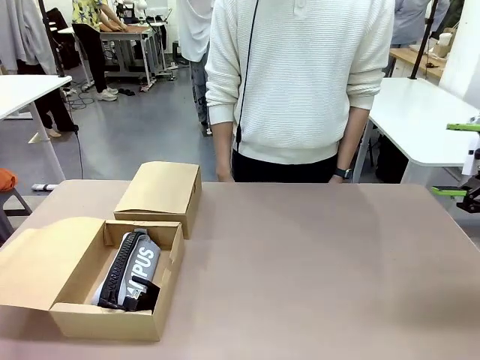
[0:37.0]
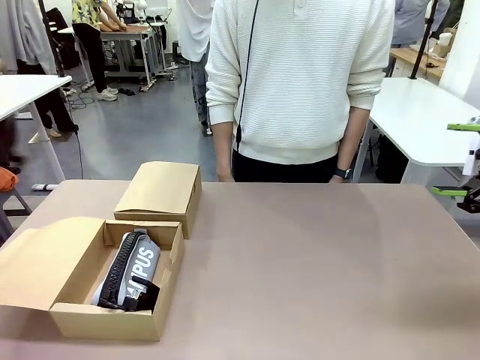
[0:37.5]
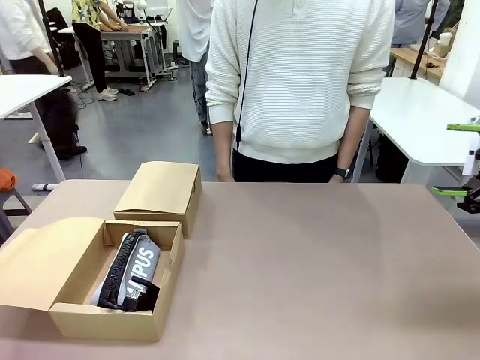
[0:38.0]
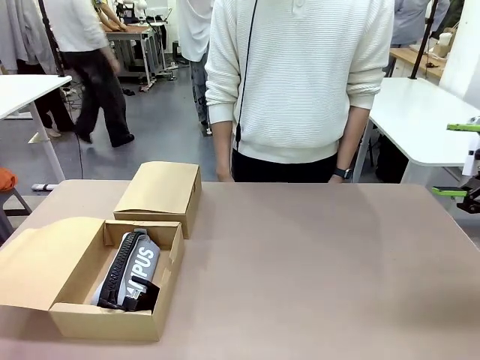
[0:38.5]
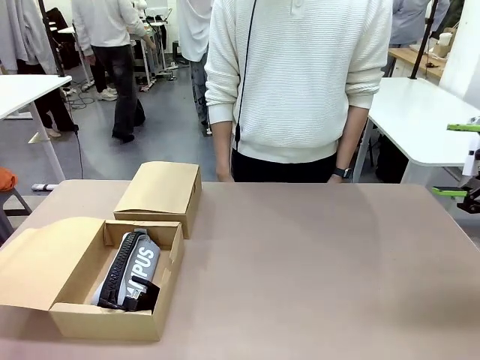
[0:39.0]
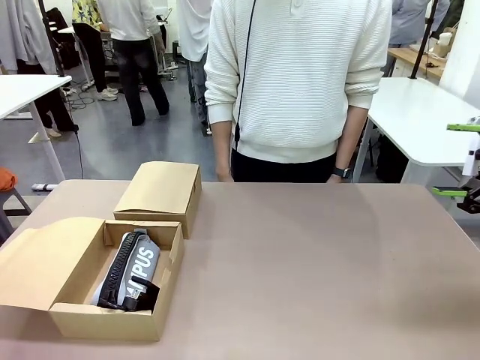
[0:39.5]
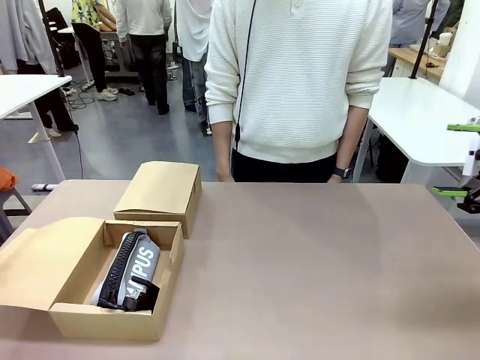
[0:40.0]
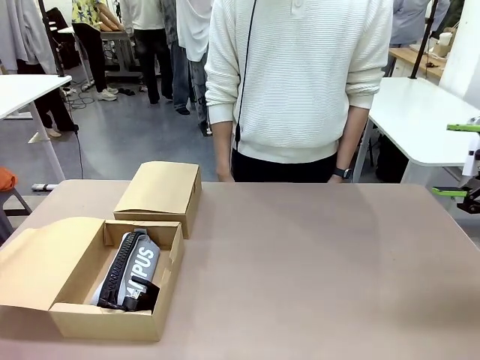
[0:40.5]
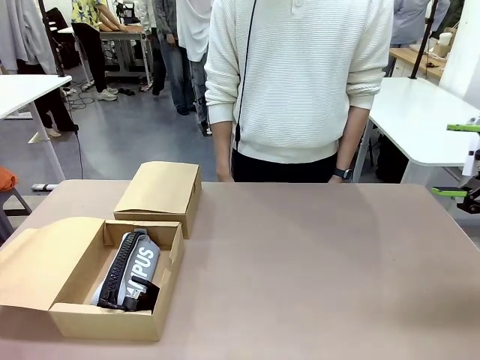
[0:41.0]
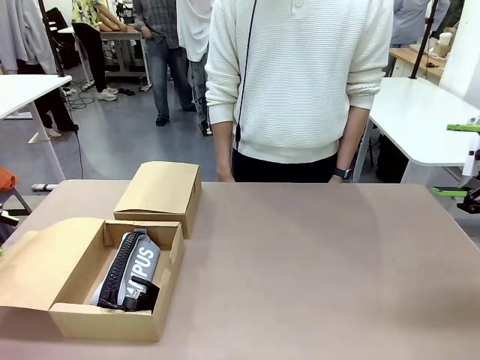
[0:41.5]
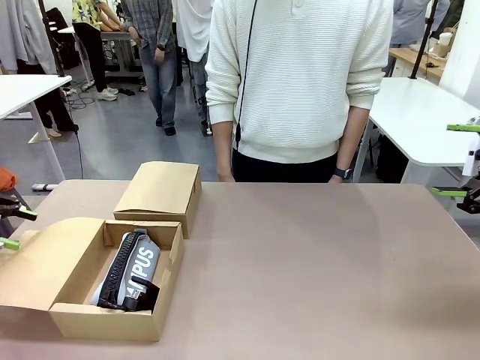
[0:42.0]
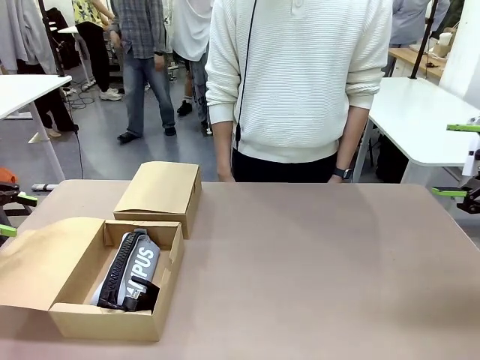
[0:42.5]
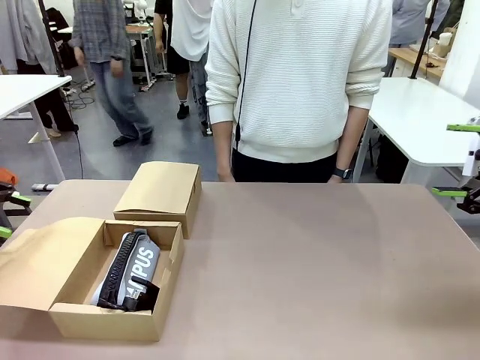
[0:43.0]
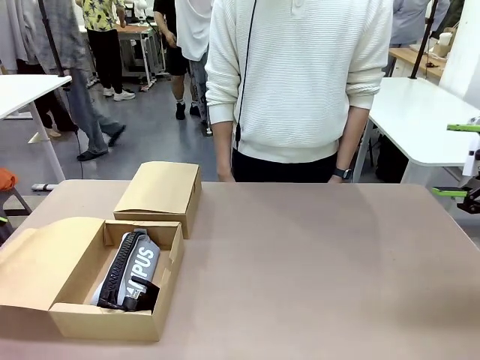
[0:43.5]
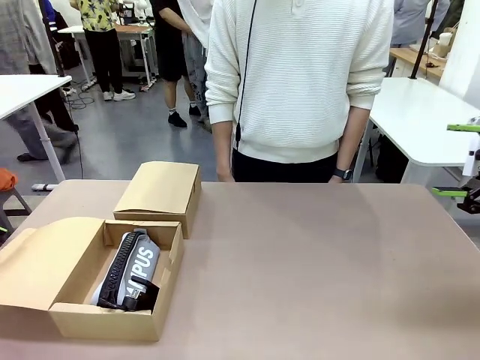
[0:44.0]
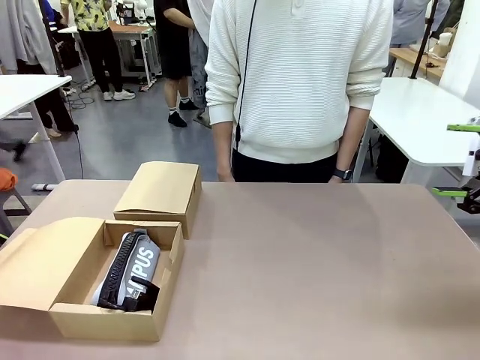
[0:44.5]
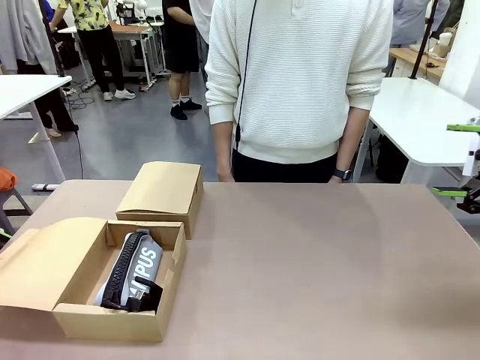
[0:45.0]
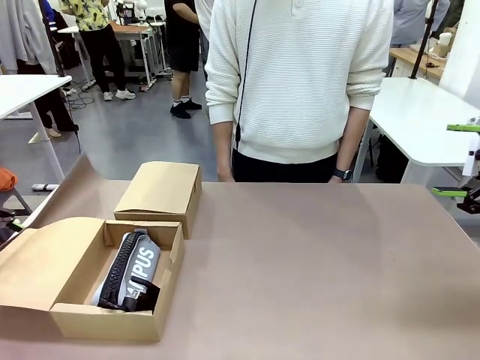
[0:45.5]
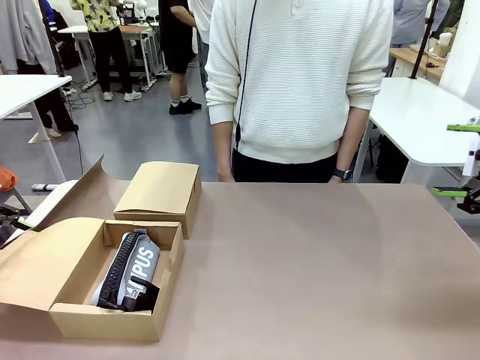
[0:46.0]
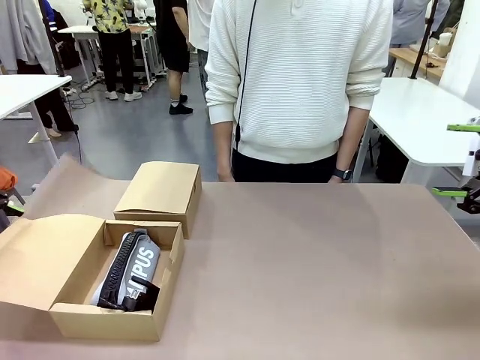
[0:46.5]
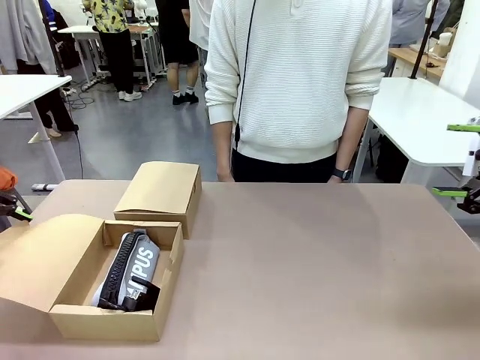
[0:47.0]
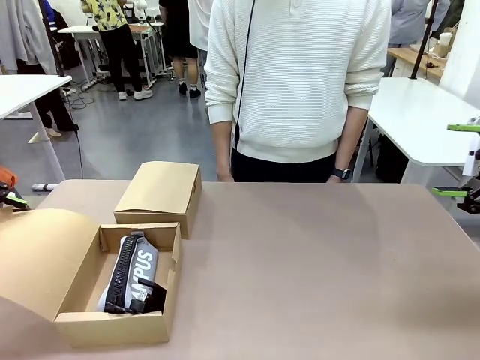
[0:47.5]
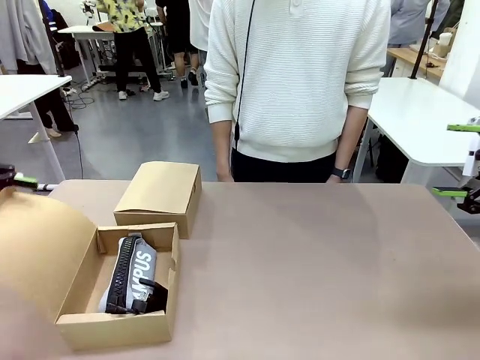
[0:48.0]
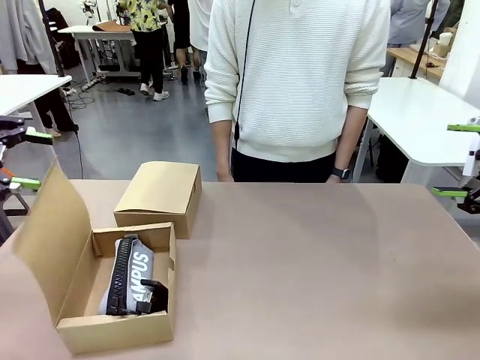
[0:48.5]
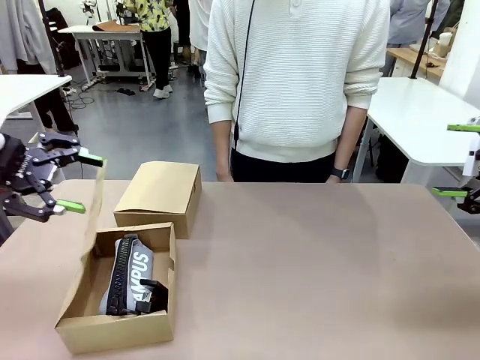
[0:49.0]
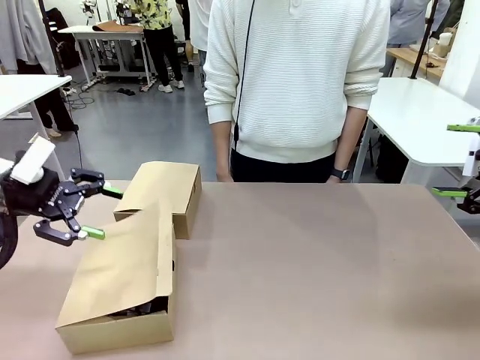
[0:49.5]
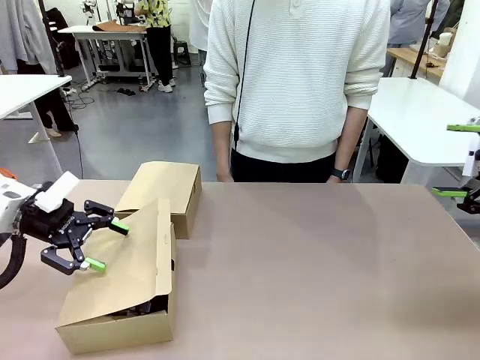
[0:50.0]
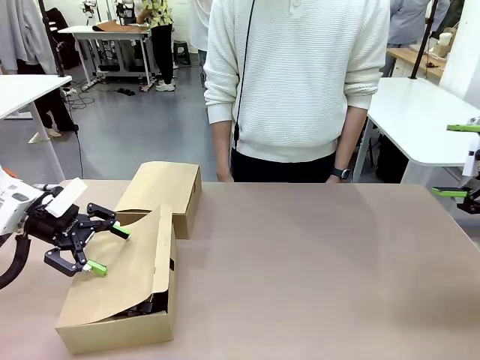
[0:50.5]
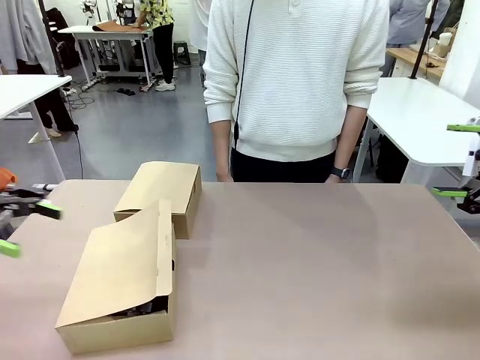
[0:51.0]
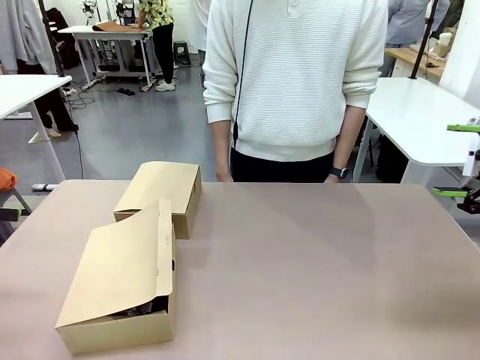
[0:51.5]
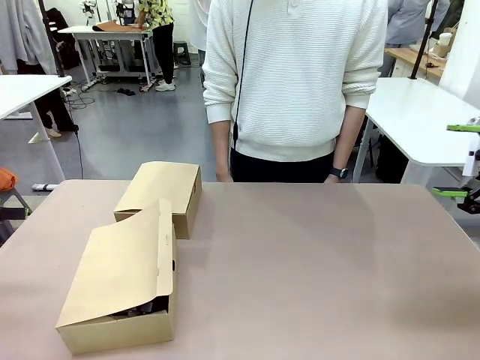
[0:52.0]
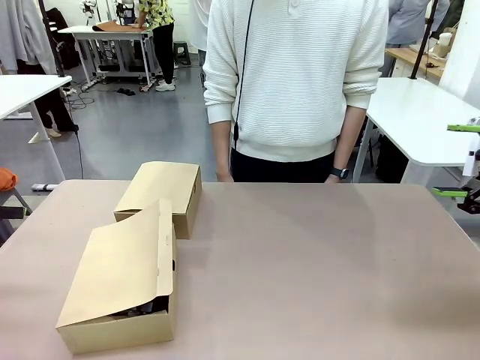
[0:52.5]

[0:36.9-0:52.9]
Task: Place items inside the box.
Robot: Close the lid of the Mailer Box closest to the robot.
Person: Close the lid of the box facing the person.

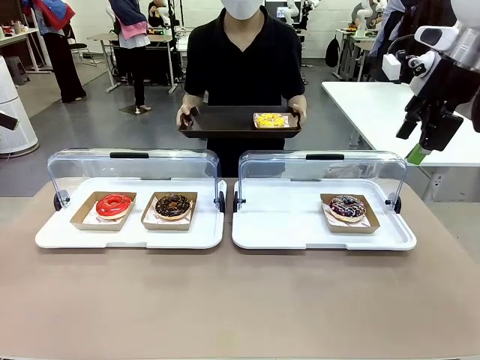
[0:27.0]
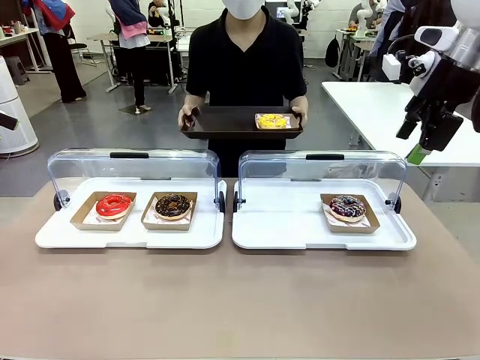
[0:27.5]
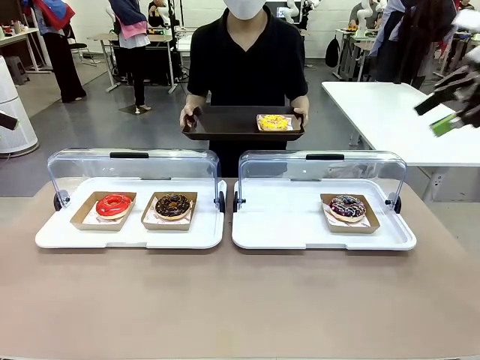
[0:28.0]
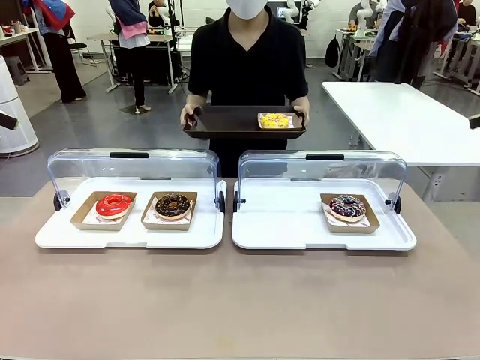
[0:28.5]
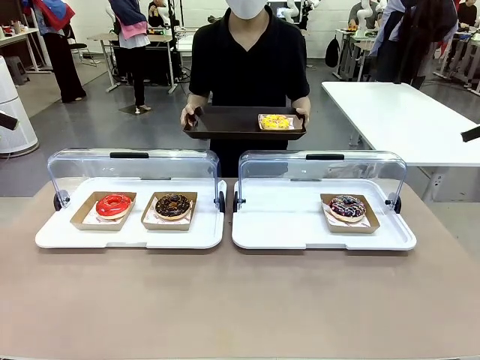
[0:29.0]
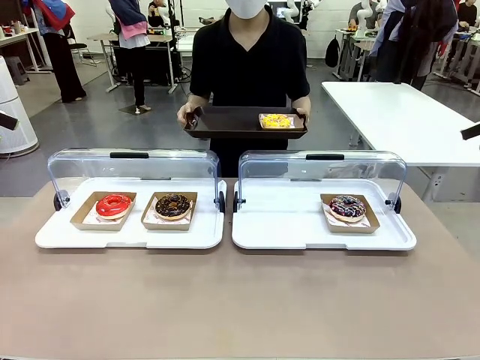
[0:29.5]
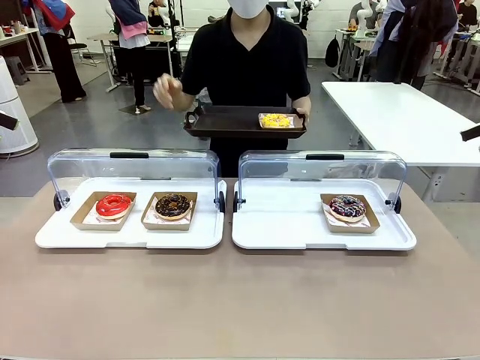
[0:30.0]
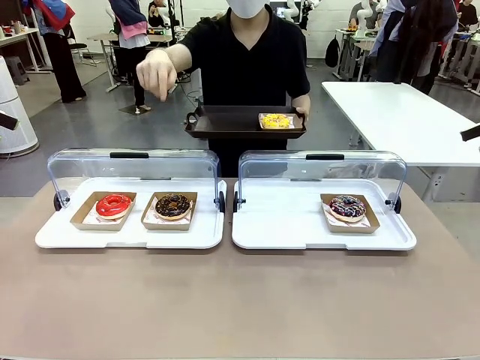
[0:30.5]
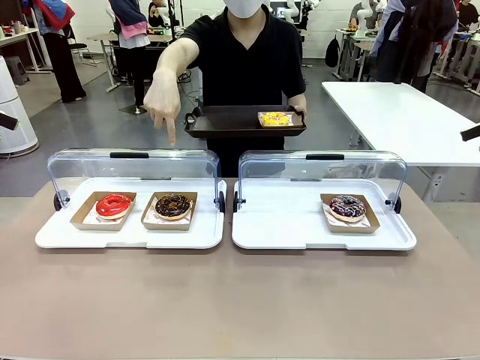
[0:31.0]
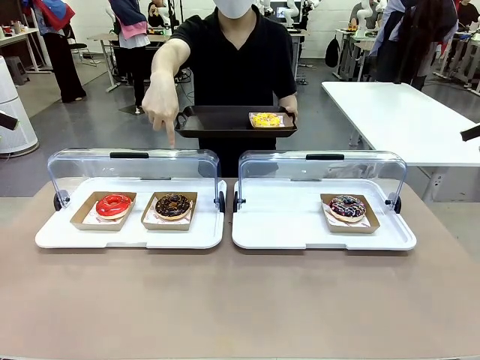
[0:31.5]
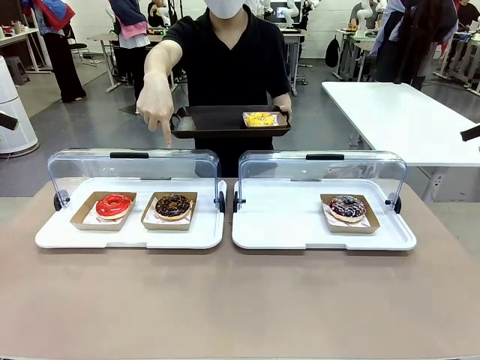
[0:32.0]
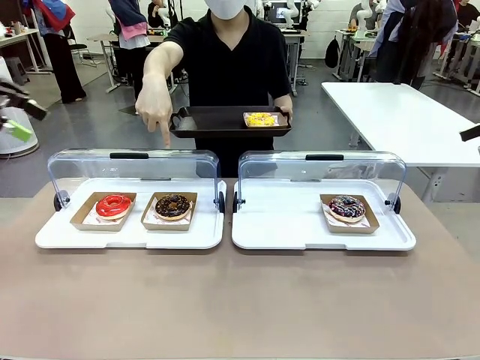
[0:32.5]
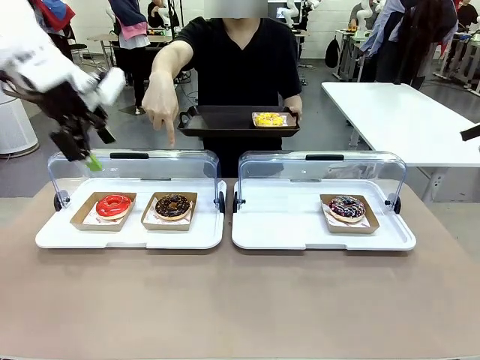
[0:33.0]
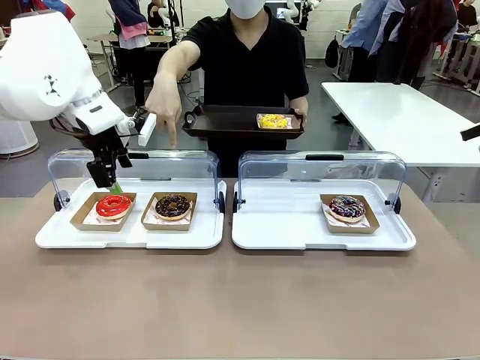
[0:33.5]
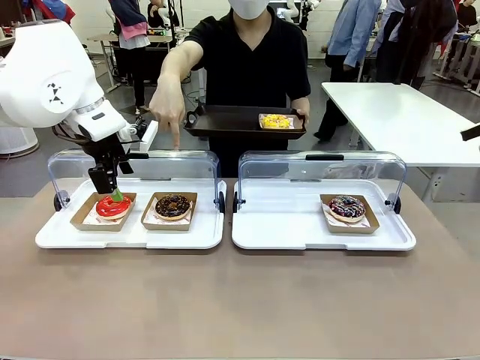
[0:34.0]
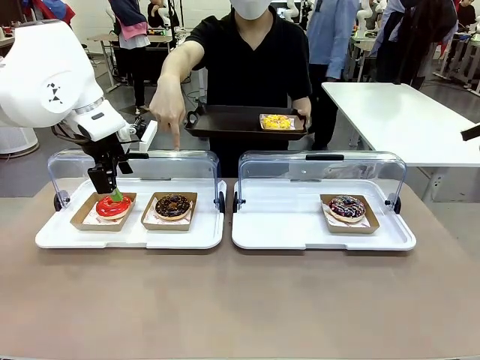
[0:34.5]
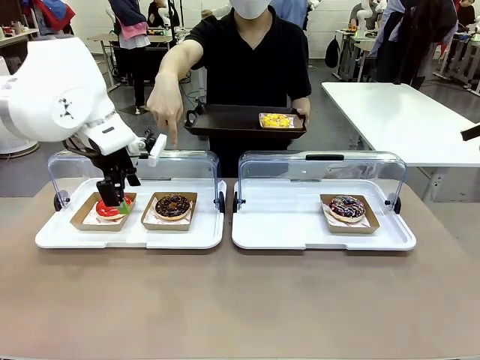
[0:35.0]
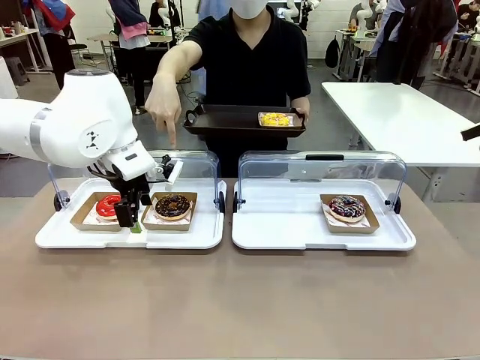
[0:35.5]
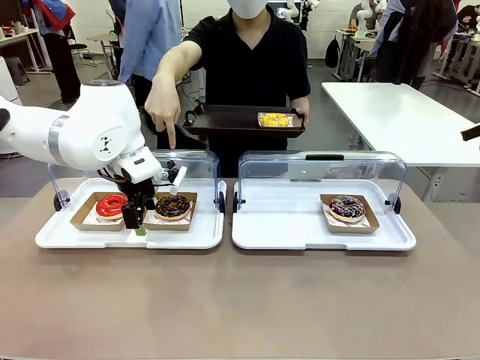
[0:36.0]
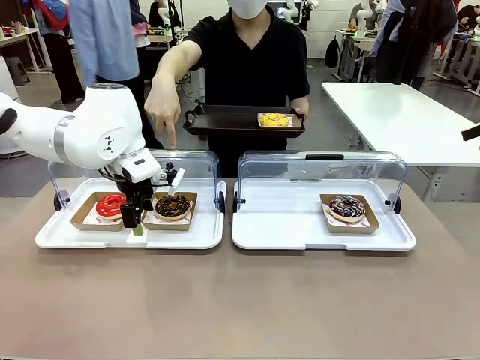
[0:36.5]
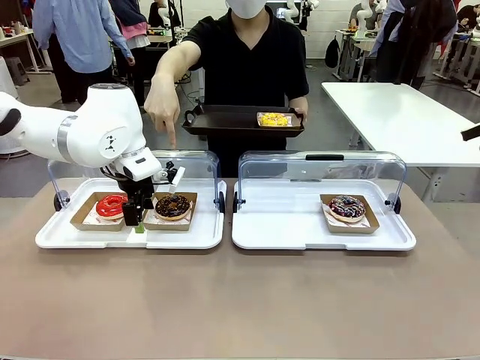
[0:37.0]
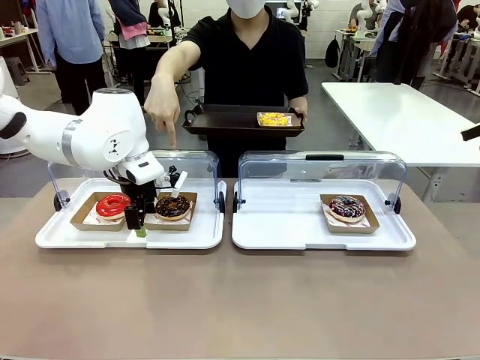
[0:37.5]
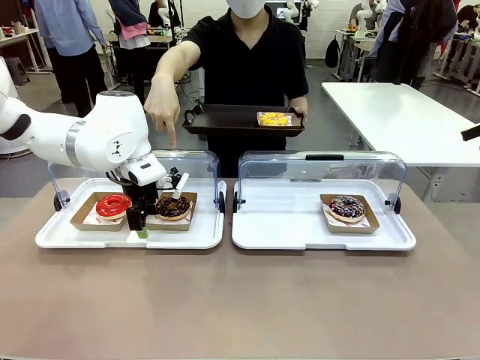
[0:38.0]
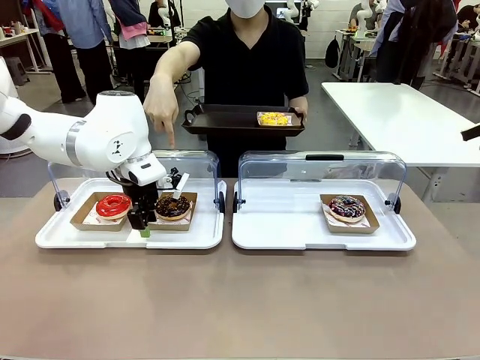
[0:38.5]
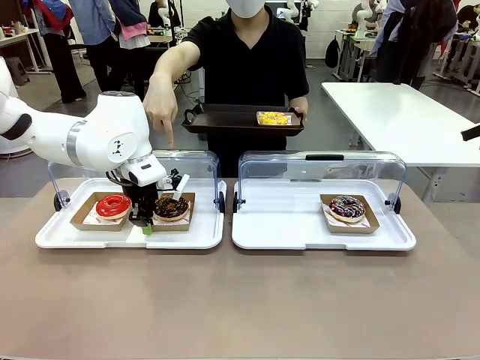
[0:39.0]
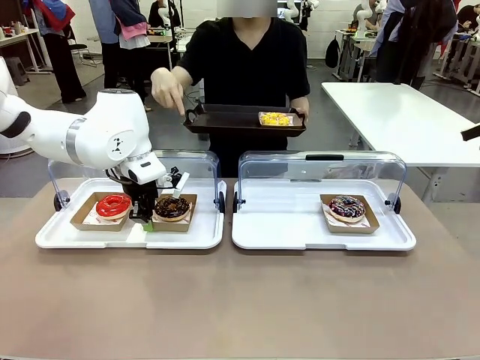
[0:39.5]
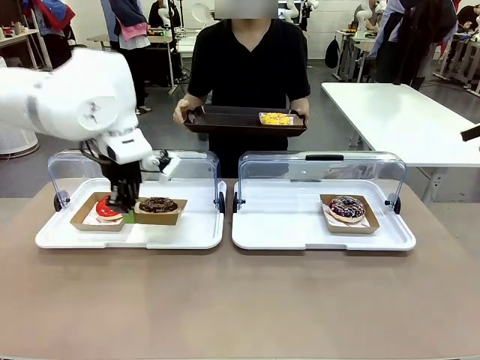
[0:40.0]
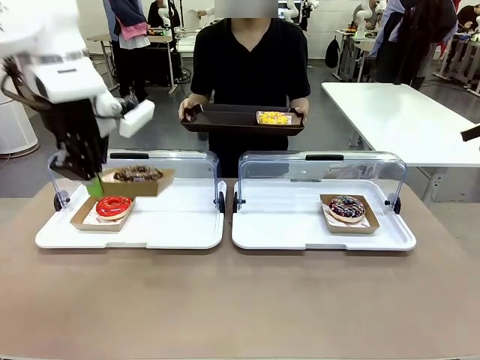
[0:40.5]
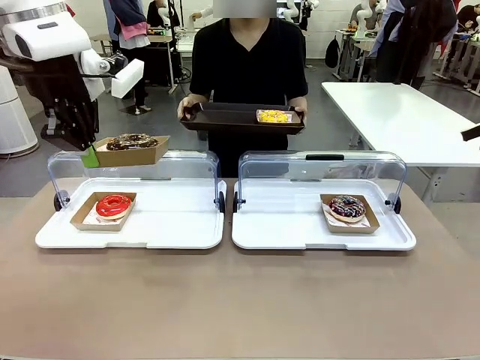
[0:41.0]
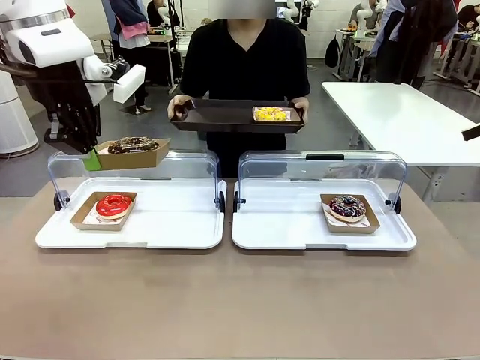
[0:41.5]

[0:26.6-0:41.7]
Task: Provide the desired donut to the person.
Robot: Pick up and lift the Paper togo box containing the Donut pointed at by the person.
Person: Point to one donut. Lift the tray onto the Roll-Top Bakery Case.
